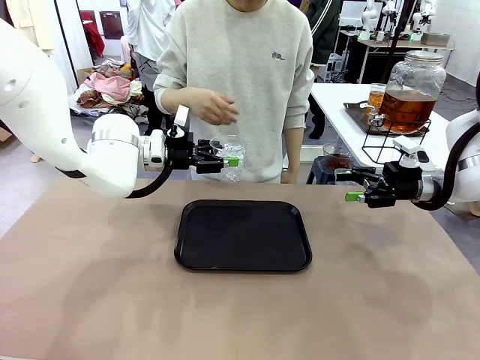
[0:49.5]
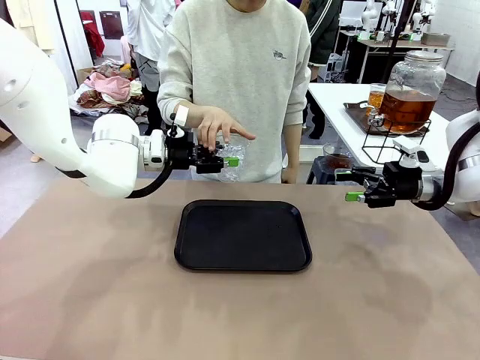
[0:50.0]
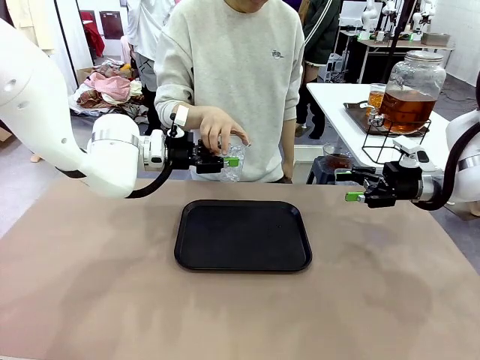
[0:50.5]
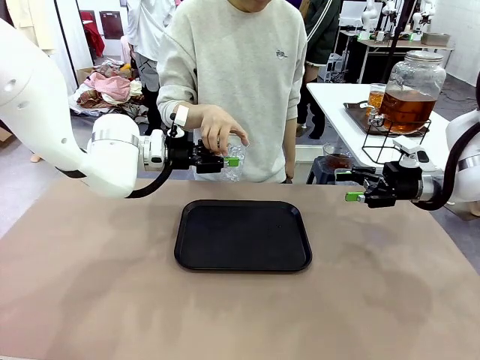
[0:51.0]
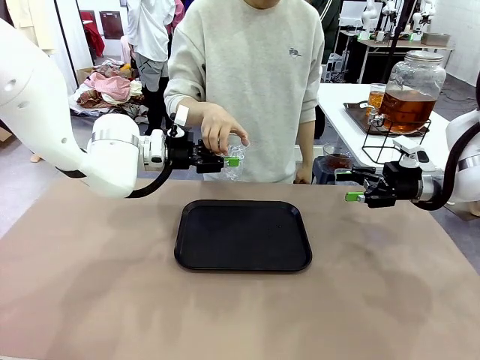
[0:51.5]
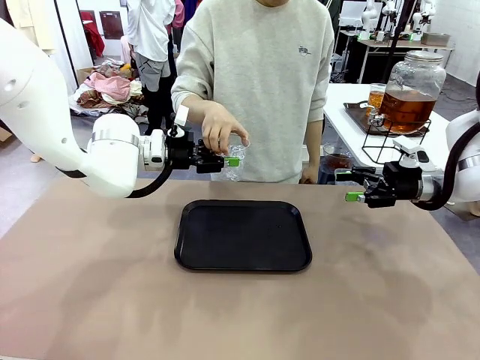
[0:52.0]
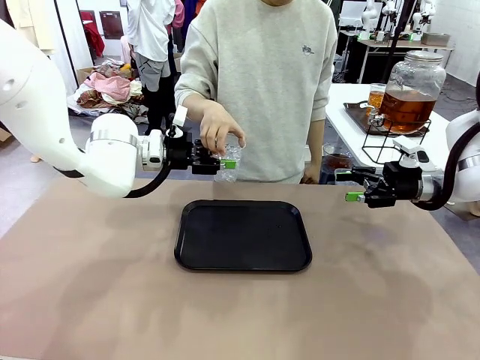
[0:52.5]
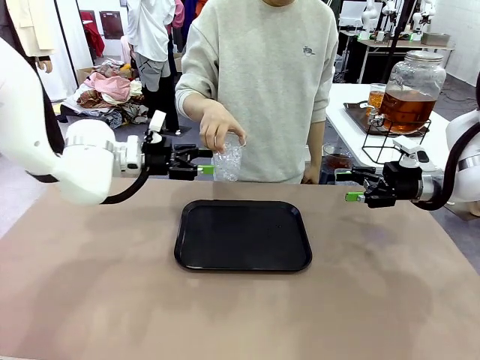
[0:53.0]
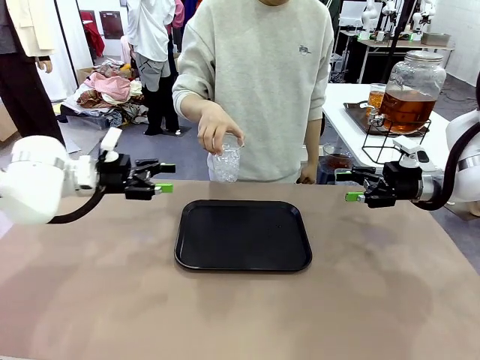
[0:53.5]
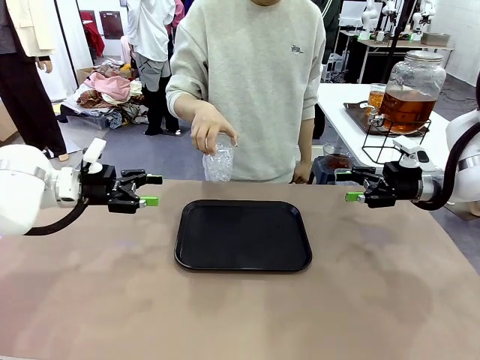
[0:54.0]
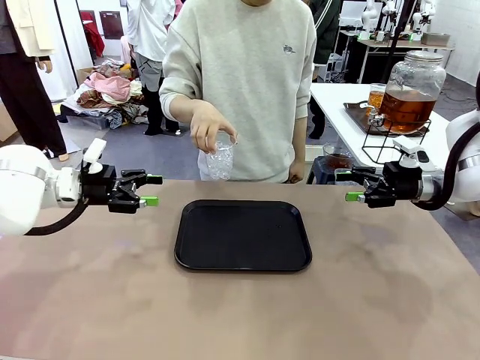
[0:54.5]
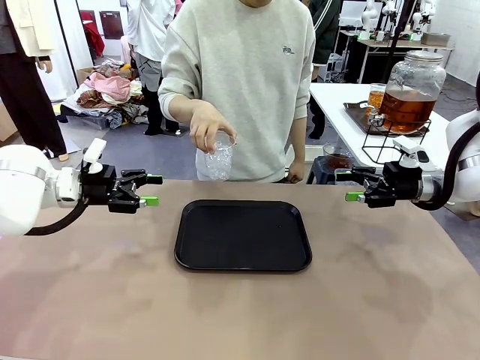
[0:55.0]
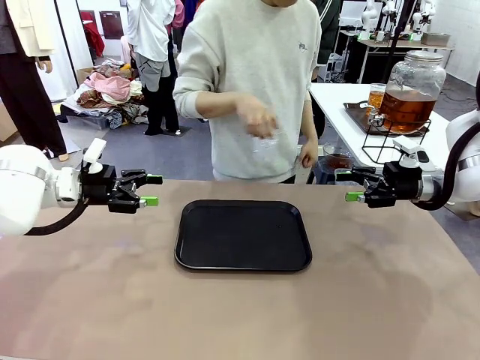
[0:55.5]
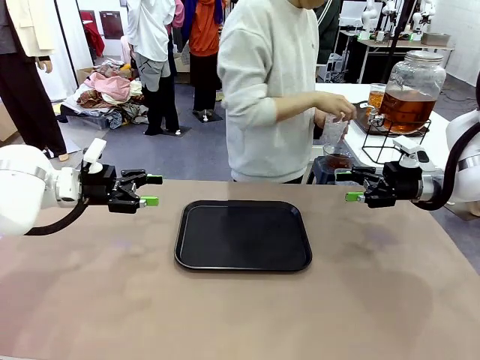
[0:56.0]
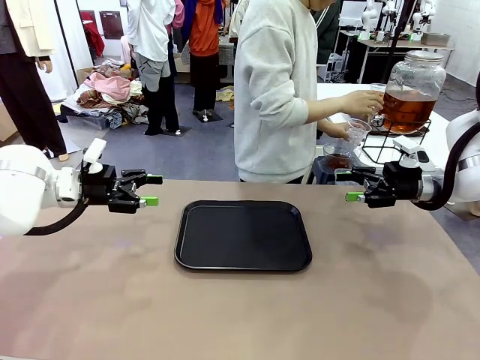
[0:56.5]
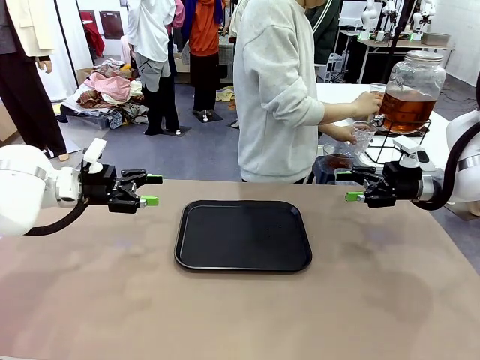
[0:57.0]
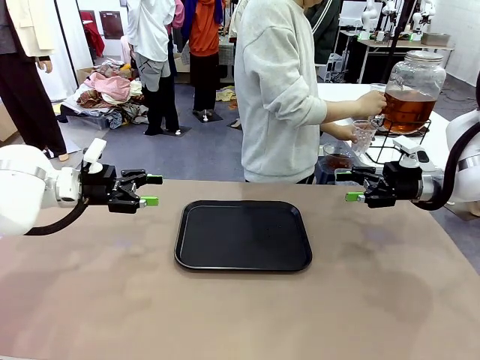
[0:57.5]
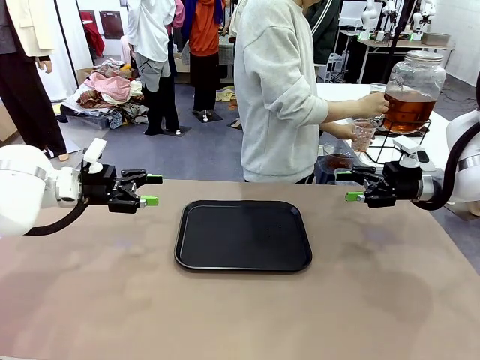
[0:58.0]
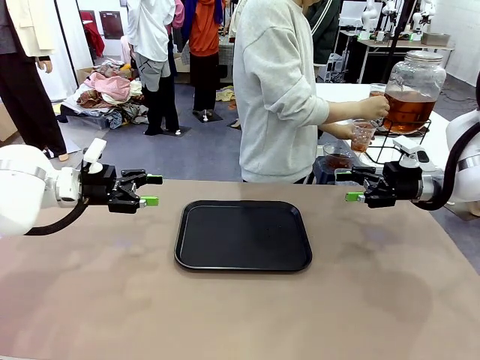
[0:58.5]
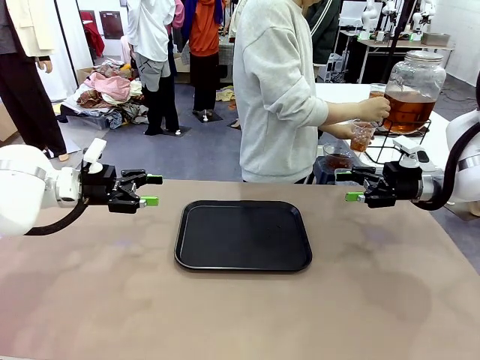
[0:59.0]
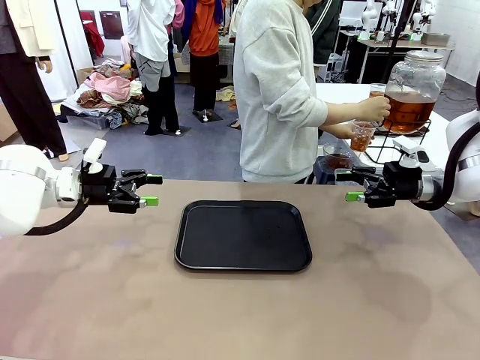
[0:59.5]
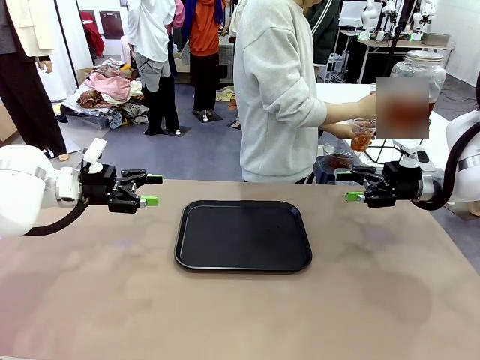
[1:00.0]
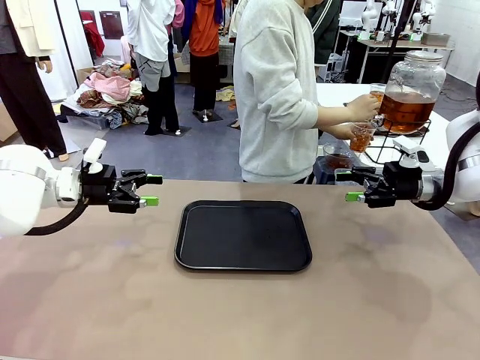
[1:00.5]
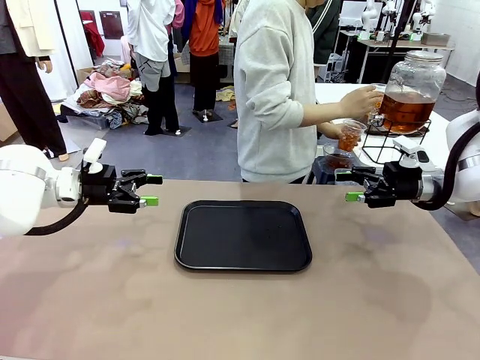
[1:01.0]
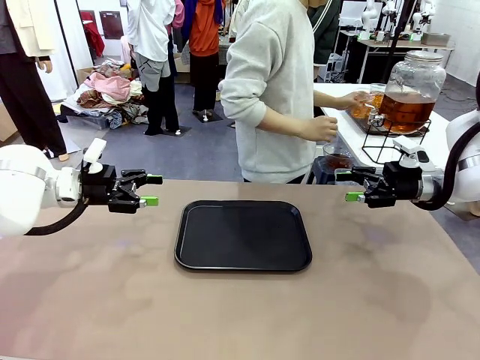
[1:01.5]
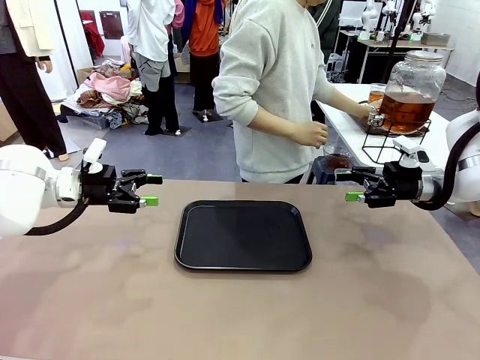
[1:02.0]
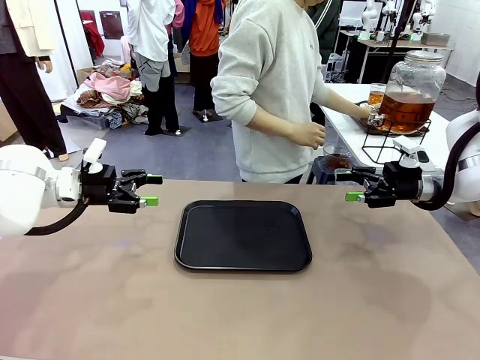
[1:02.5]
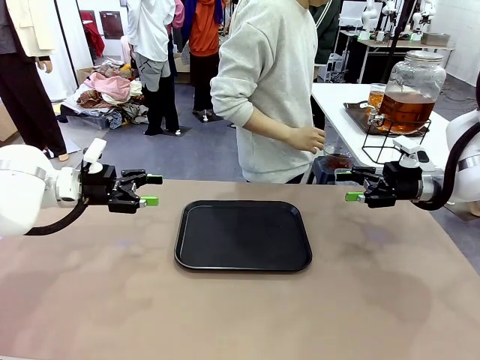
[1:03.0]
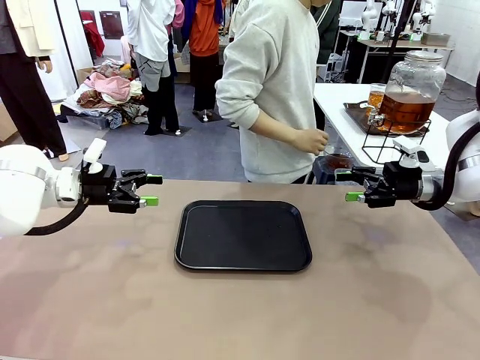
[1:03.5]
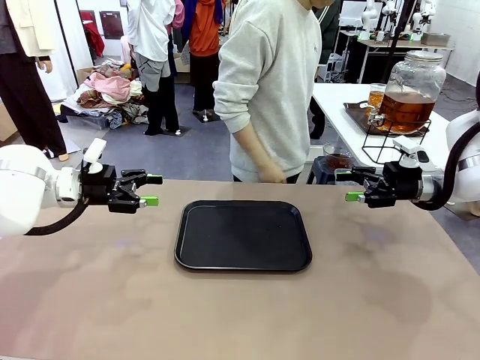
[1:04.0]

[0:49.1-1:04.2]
Task: Pour the drink into the iced cup.
Robot: Open the gripper to release the iced cup you were holding.
Person: Move the picked-up cup under the dispenser faucet, pour the drink, and place it on the tray on the human table.
